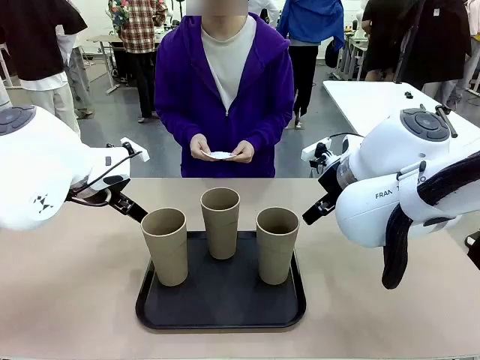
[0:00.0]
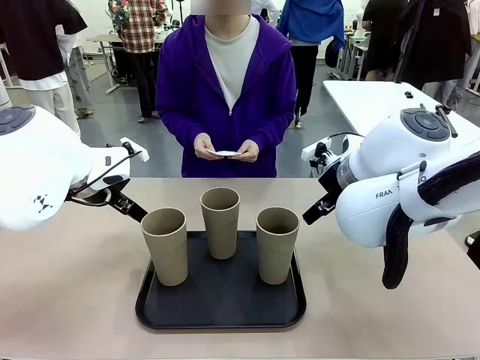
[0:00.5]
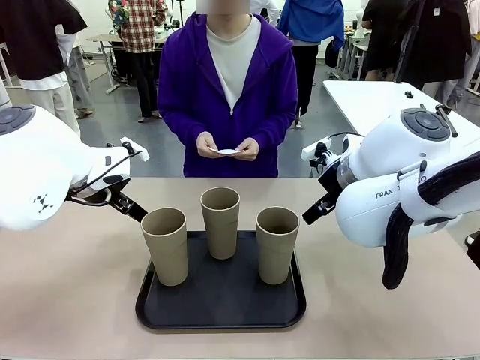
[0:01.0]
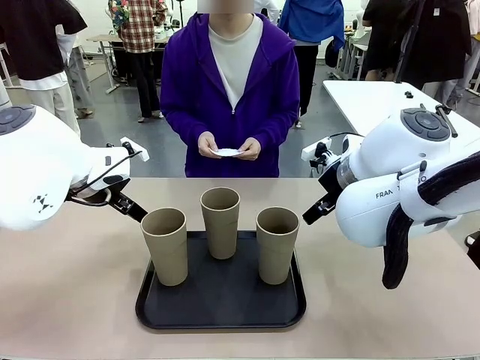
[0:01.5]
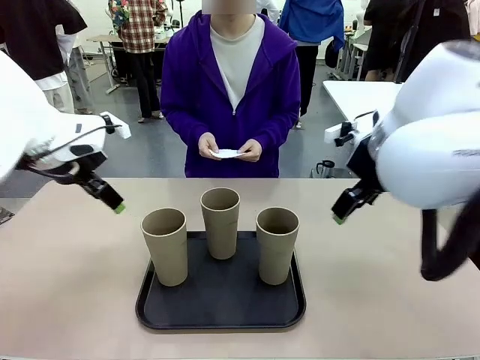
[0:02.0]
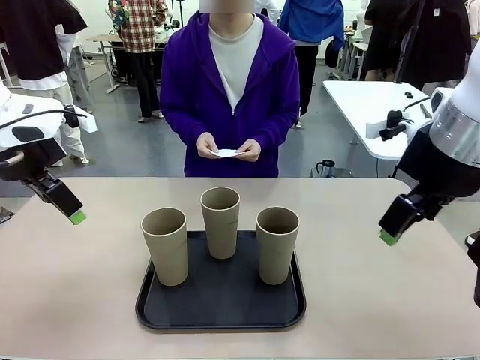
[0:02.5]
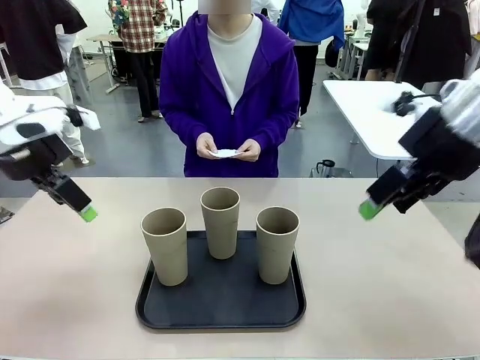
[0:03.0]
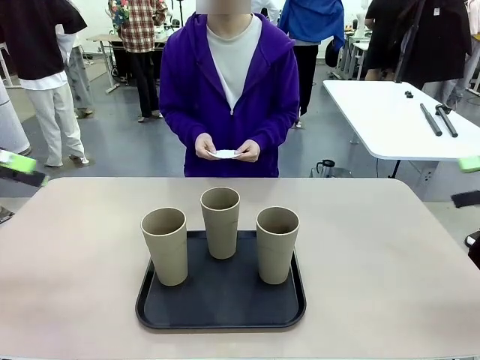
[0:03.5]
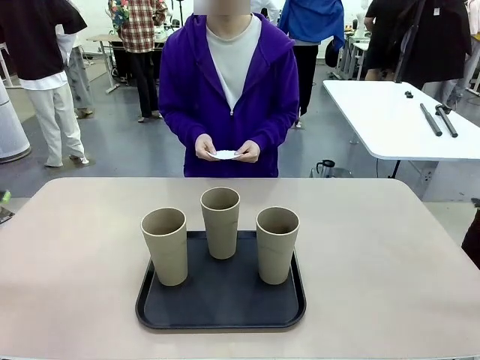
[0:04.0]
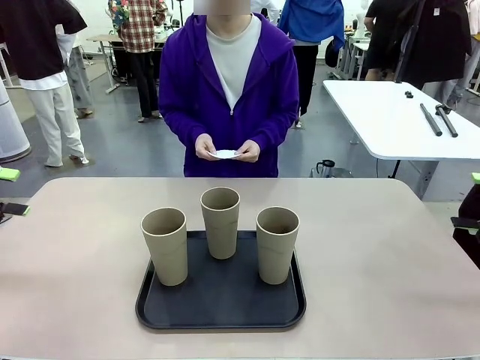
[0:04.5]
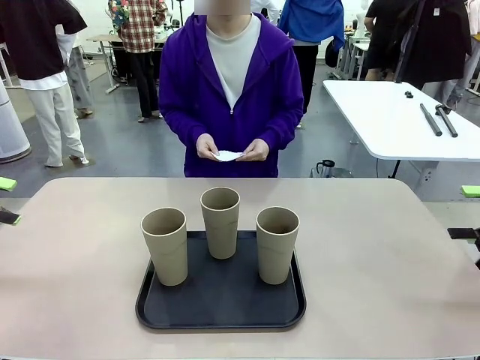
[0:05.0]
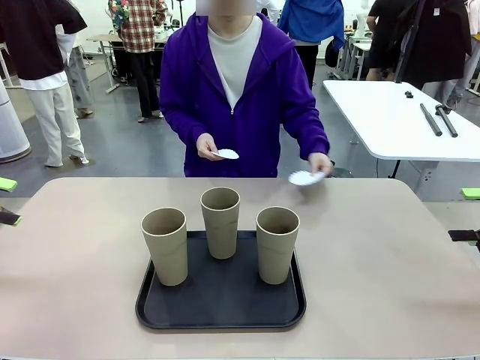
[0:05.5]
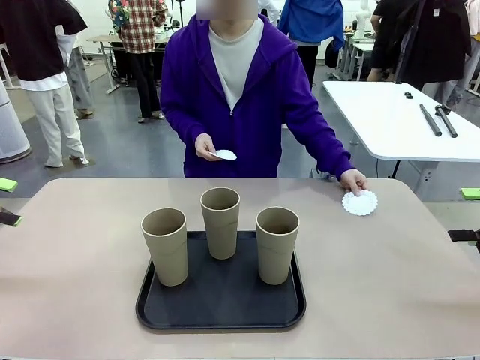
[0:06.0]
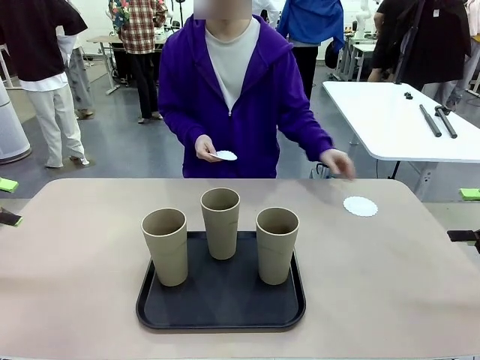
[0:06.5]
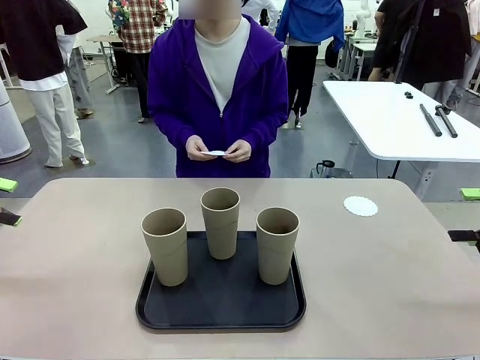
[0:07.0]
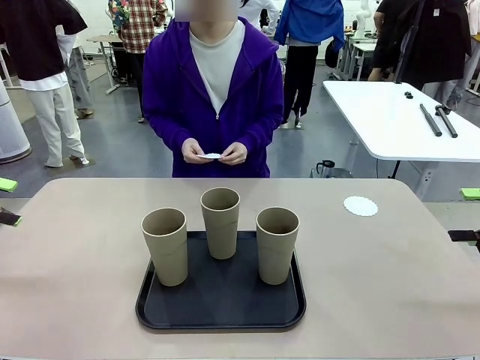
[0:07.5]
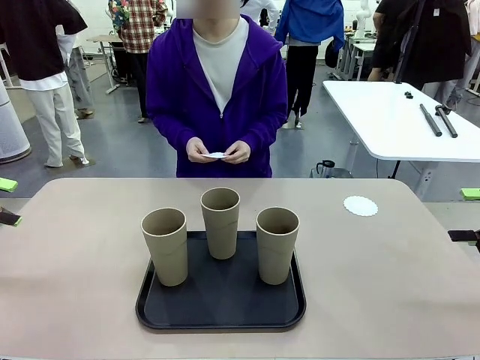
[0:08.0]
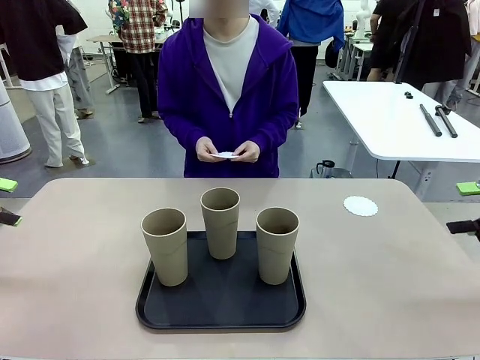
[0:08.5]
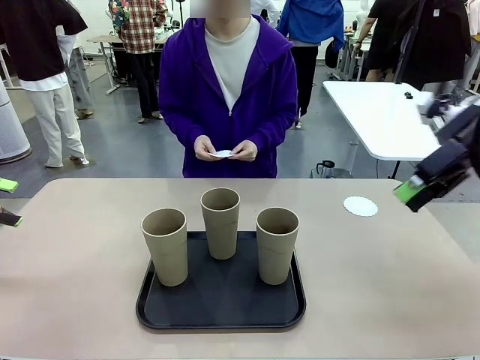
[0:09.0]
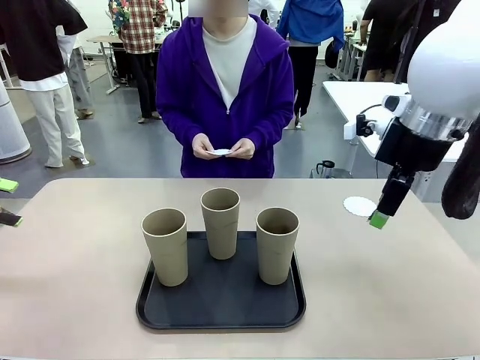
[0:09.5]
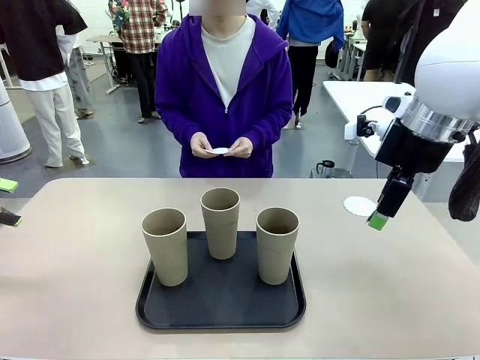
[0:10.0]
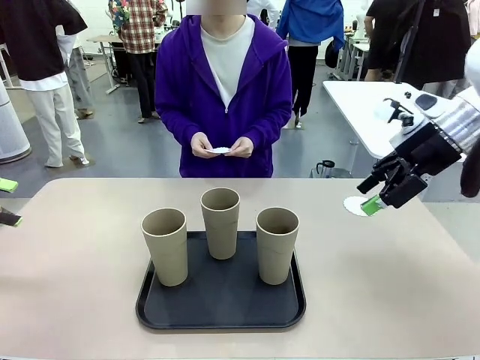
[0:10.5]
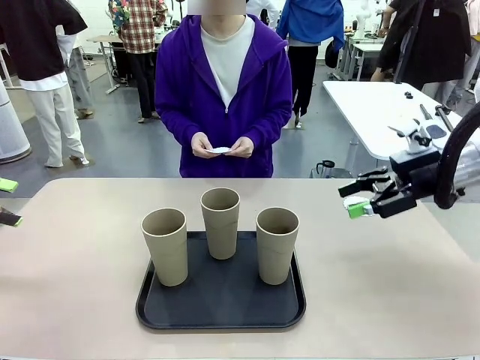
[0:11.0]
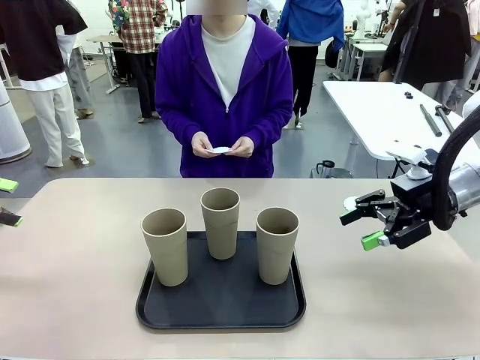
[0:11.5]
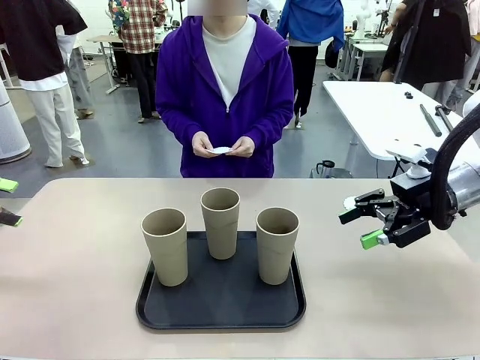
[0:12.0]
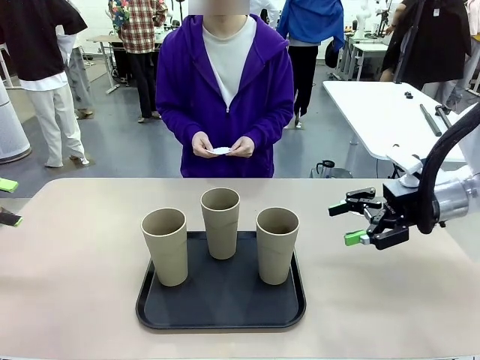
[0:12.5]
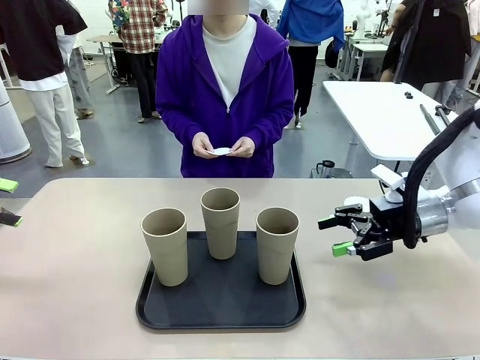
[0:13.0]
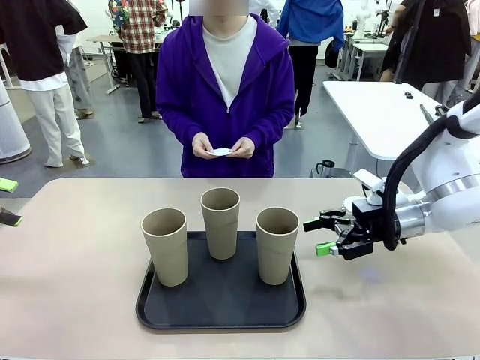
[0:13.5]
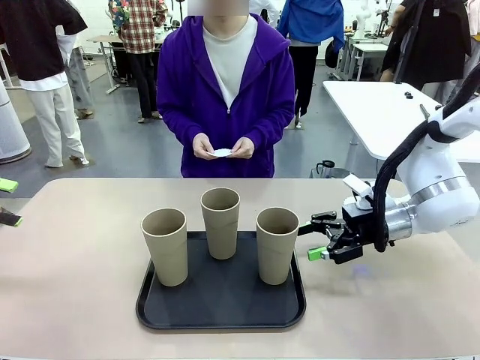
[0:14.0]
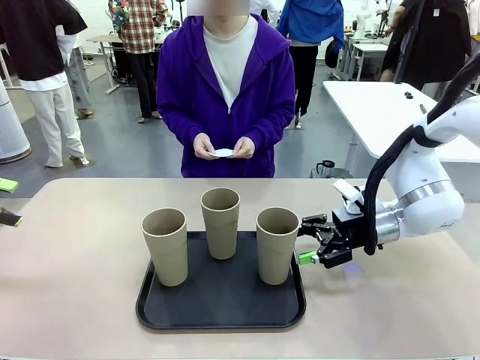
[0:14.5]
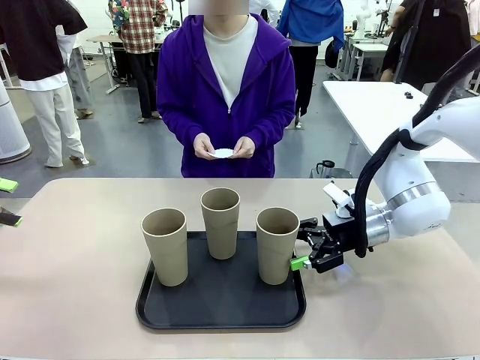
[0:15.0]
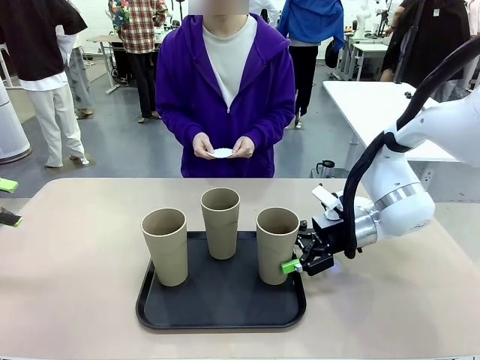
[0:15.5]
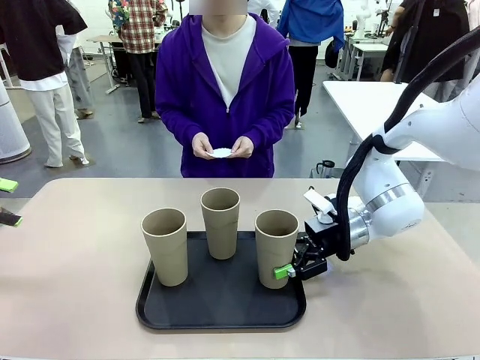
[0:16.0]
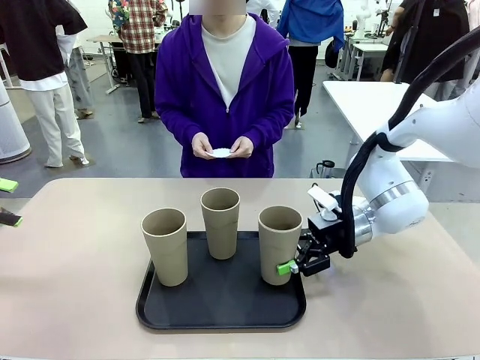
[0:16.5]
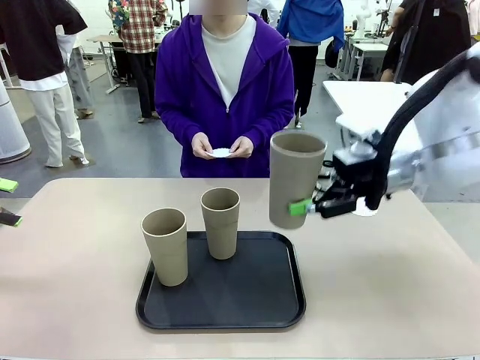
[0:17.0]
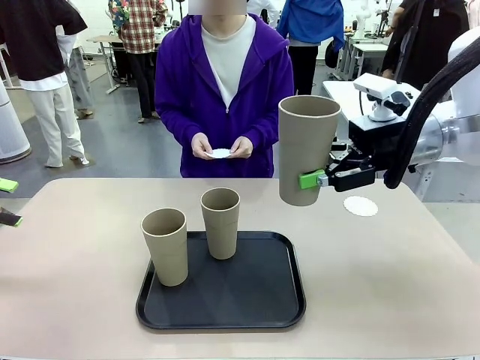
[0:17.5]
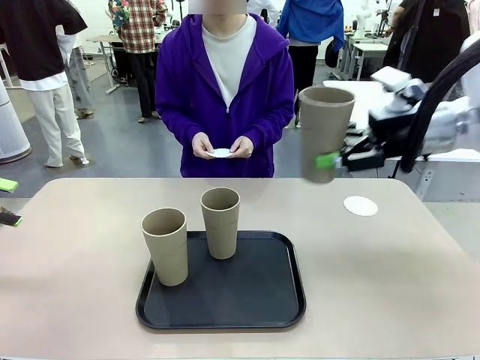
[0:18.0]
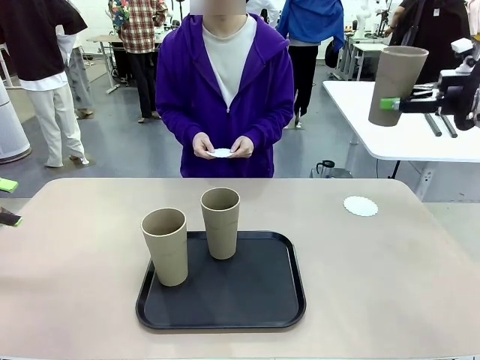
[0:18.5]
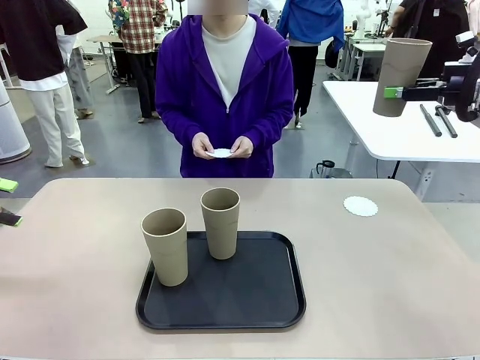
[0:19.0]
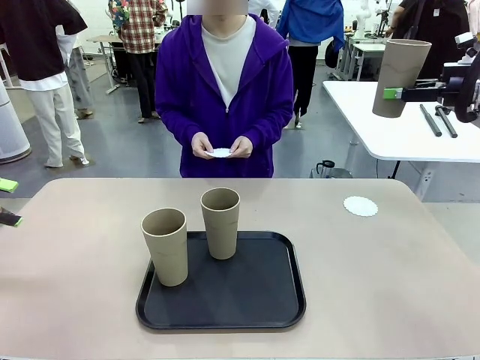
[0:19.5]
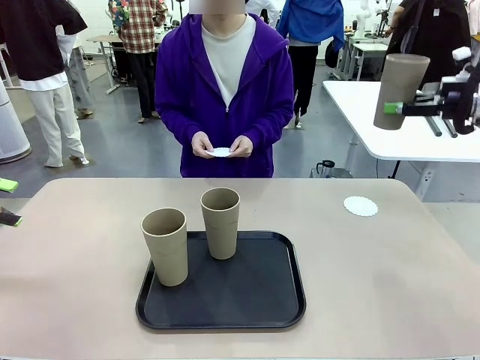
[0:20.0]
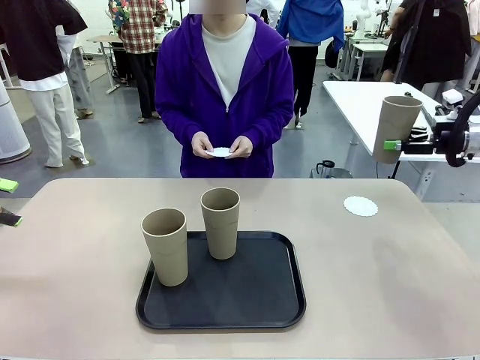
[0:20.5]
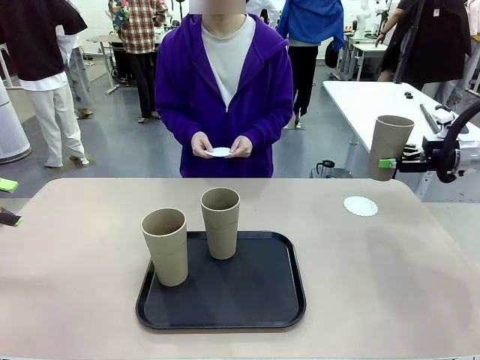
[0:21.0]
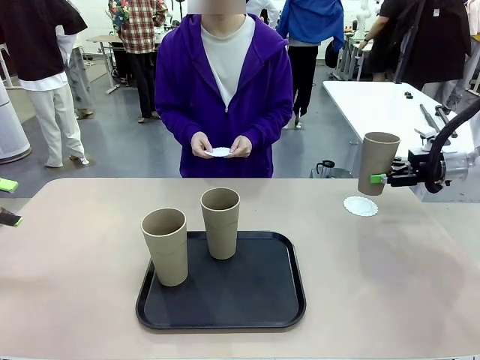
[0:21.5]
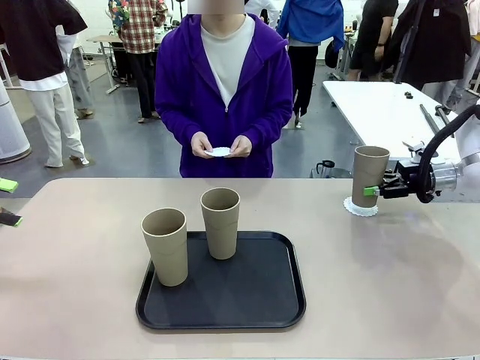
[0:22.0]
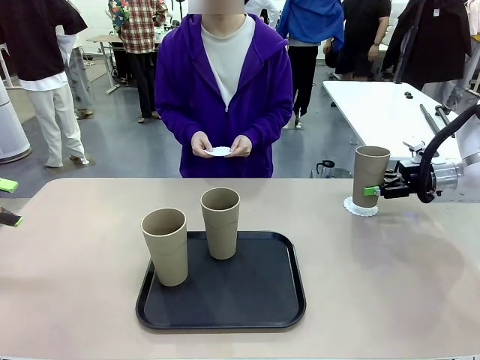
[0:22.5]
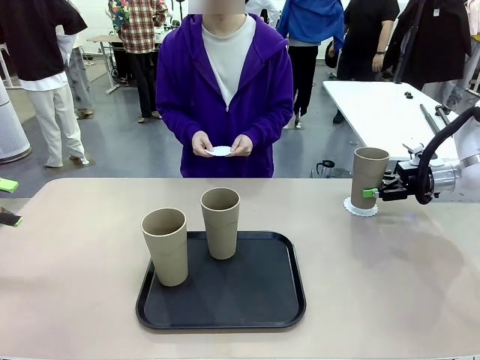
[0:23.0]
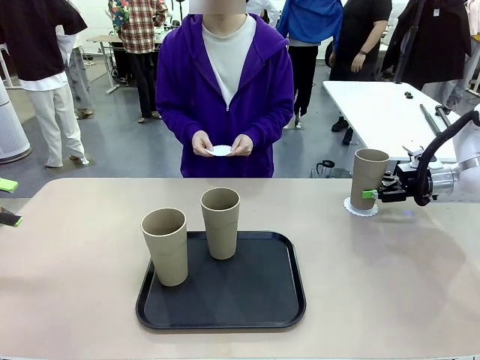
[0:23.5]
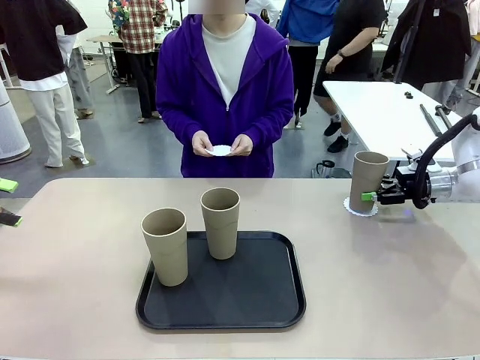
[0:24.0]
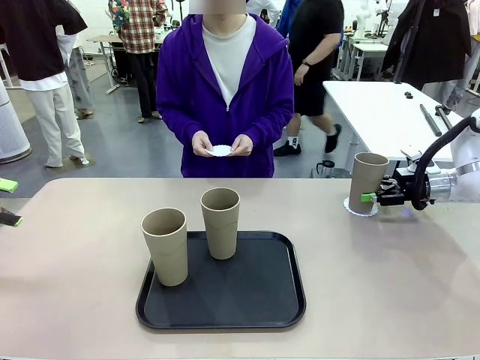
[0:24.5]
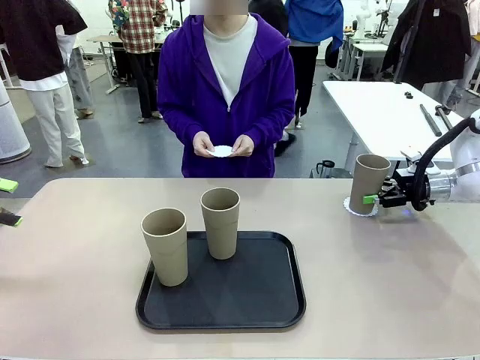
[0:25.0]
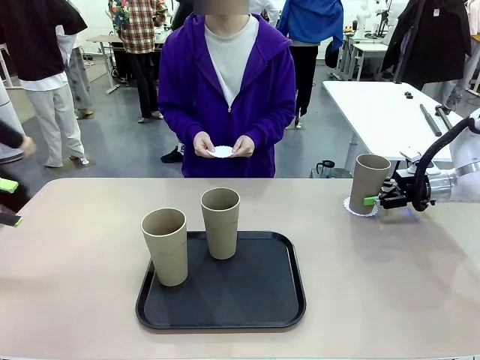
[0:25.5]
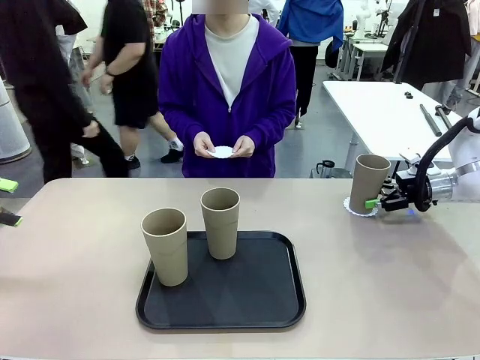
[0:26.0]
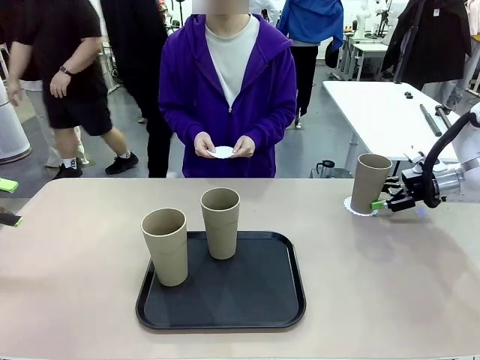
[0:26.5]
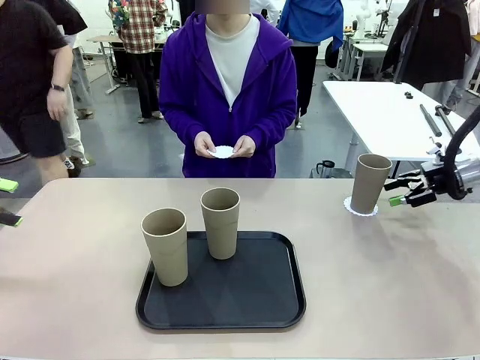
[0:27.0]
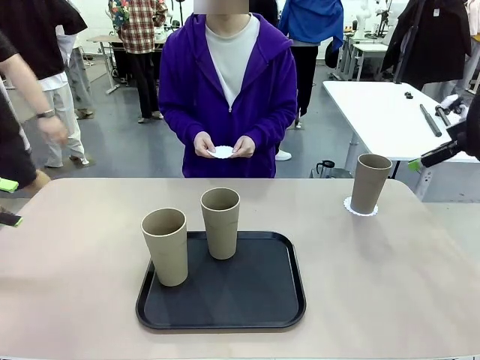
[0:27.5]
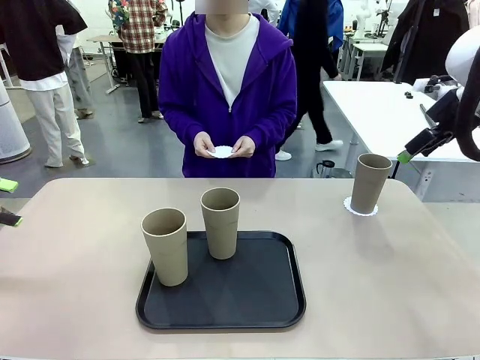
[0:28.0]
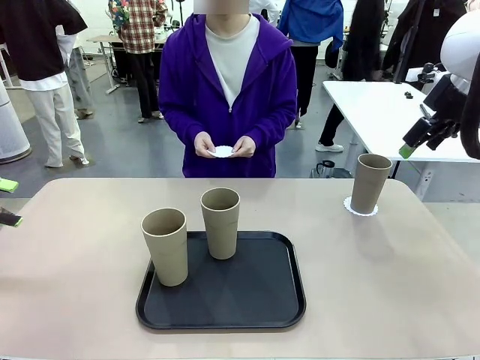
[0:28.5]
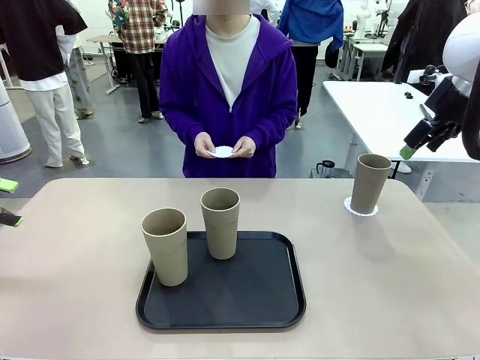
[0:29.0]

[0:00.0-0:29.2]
Task: Place coasters on the table and set cups on them.
Robot: Pick up one Reusable plastic cup and place it on a coaster set by the human.
Person: Place one coaster in any one of the three lower areas of the robot table (left, center, or right). Place one coaster in one of the two areas excluding the previously selected area.
